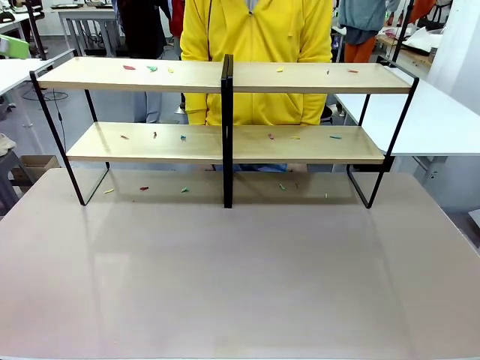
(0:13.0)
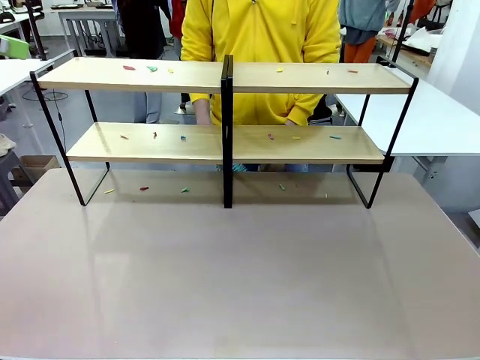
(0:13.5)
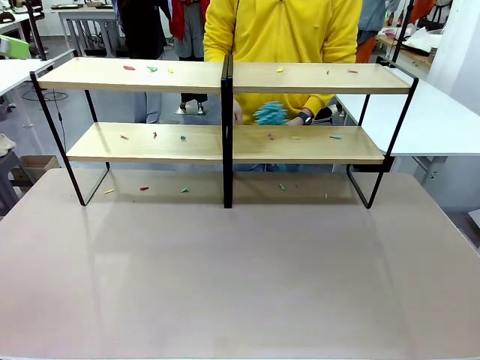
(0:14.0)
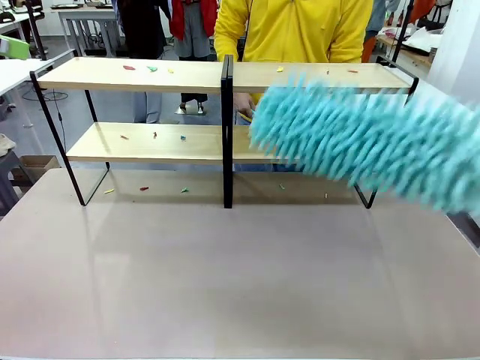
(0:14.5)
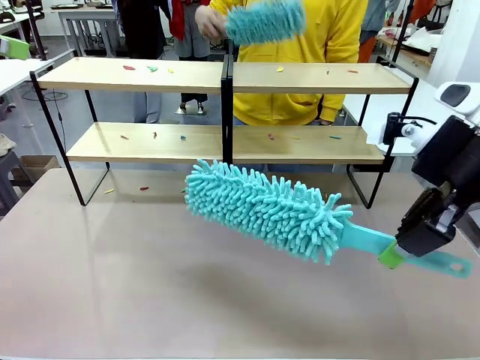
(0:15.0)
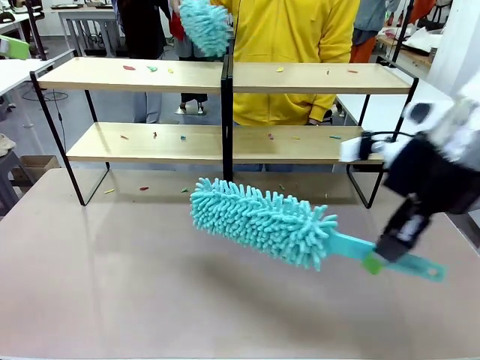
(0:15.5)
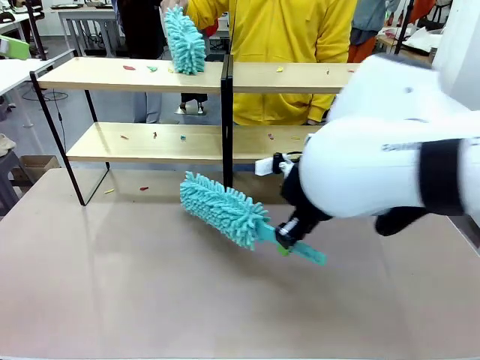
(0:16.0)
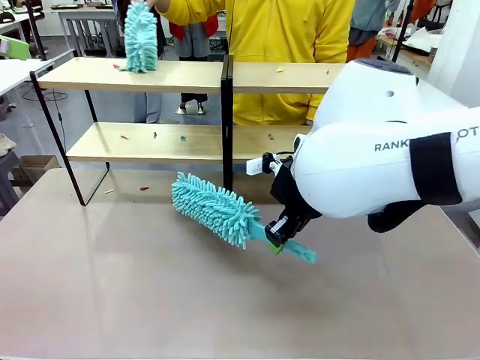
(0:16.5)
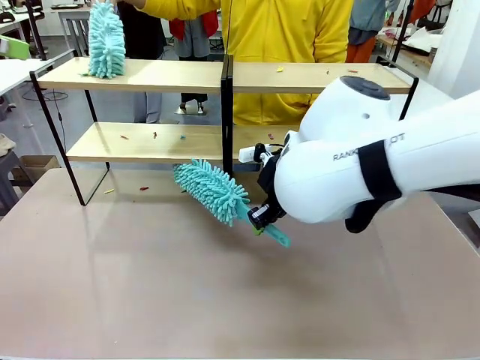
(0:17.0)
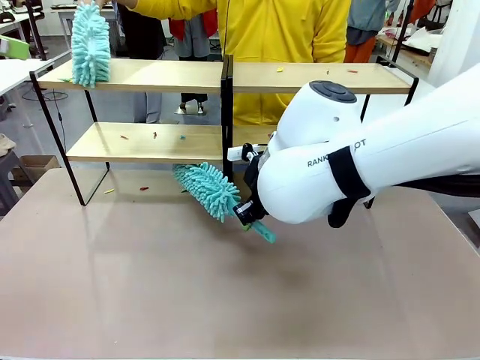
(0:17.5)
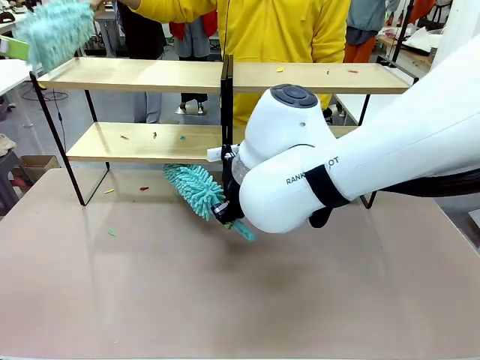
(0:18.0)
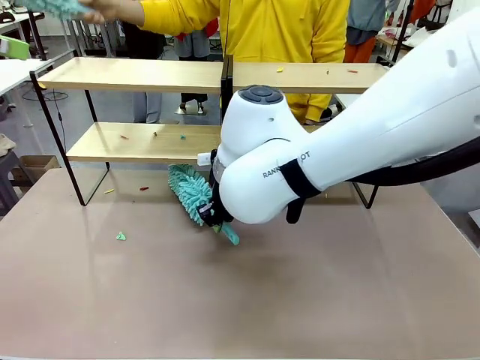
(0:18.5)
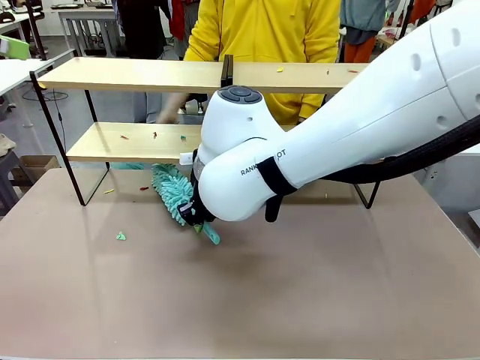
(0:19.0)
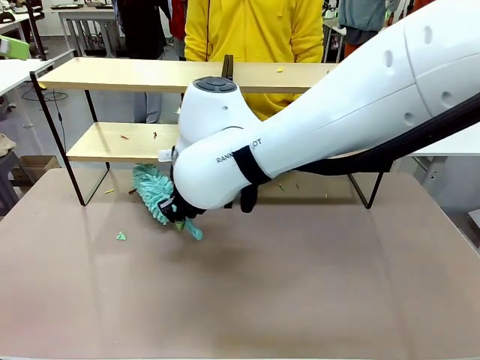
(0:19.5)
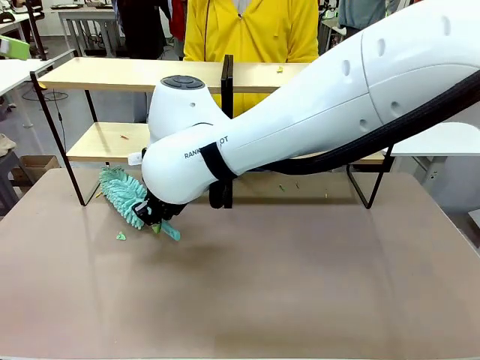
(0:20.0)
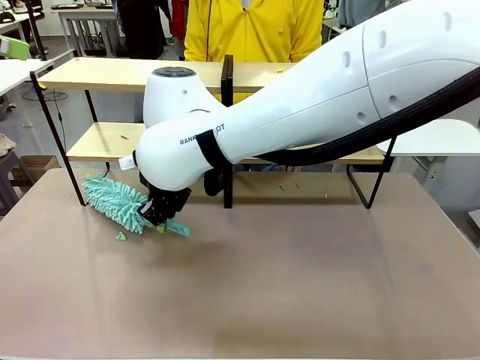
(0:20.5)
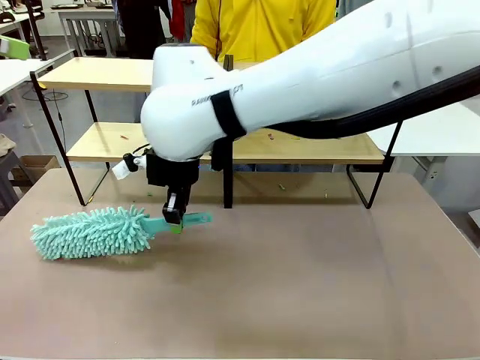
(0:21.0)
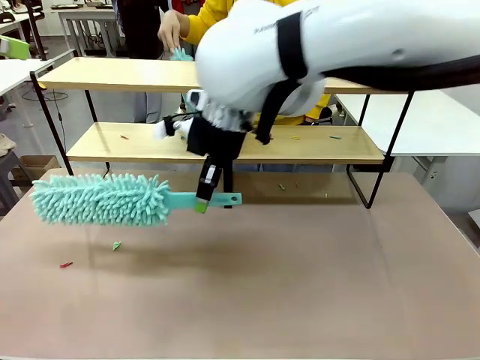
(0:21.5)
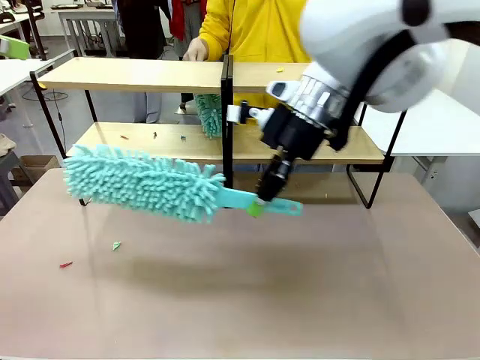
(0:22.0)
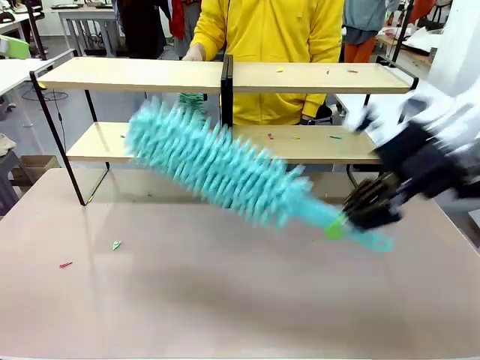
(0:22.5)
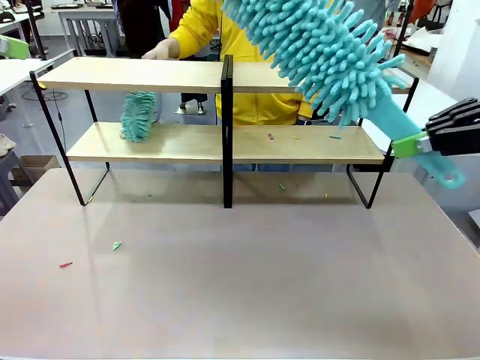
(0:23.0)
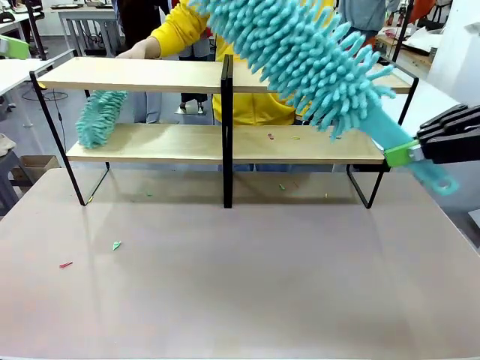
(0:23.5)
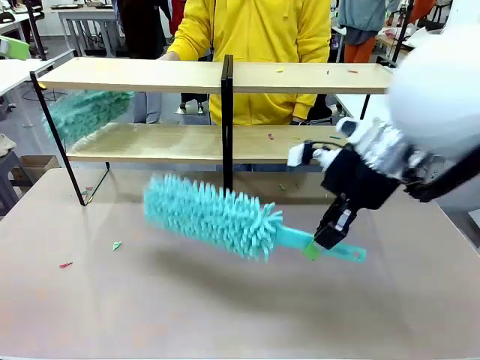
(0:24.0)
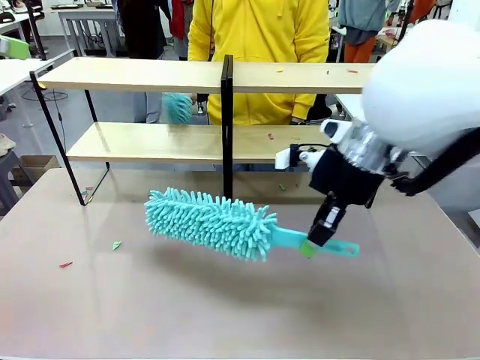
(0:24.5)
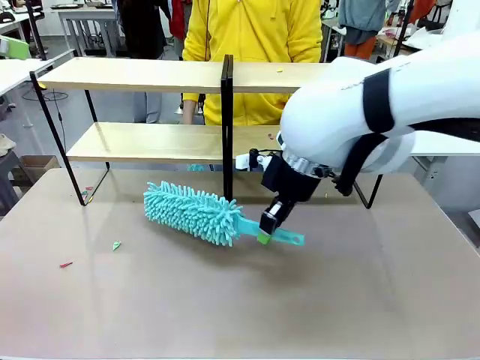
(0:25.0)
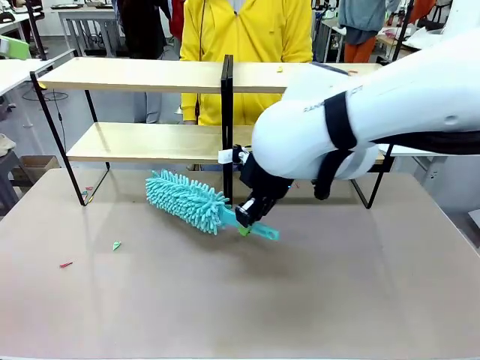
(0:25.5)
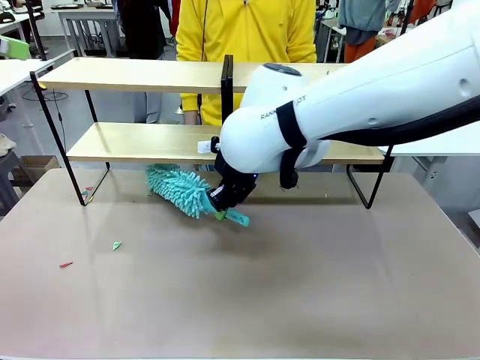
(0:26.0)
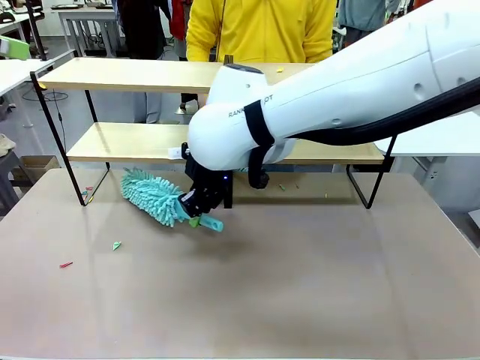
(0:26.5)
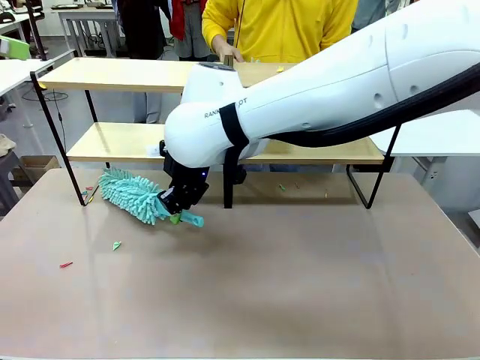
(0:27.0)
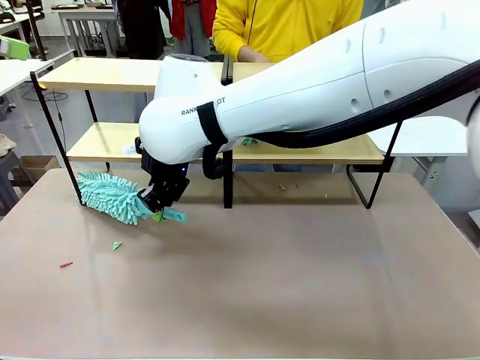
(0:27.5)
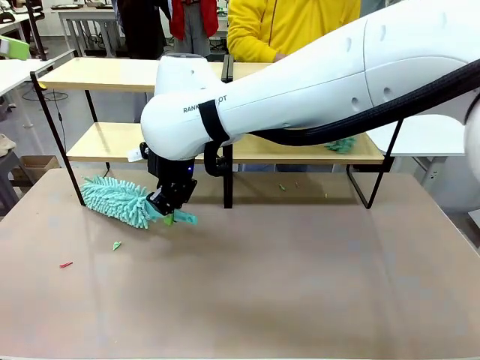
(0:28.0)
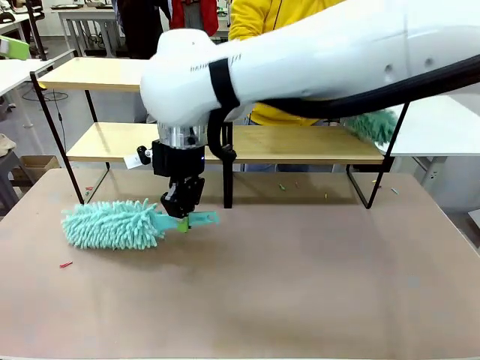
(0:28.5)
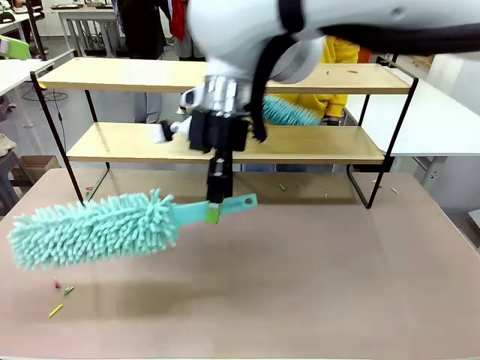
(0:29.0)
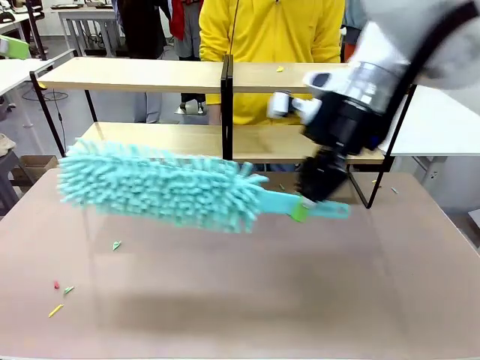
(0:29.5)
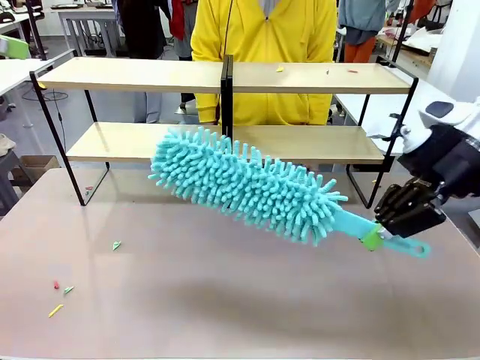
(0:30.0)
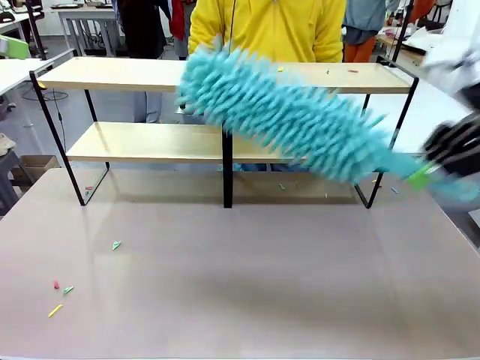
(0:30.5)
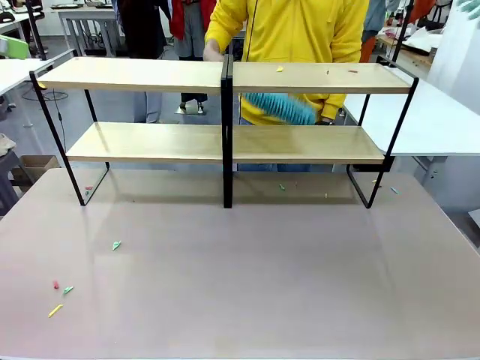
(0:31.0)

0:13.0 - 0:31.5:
Task: Clean the shelves.
Robot: Clean a randomly selected level of the Shelf with the Duster.
Person: Clean a randomly selected level of the Shelf with the Duster.

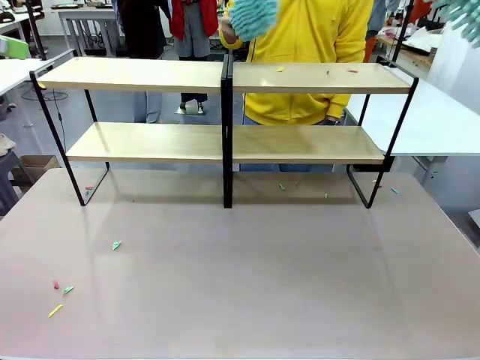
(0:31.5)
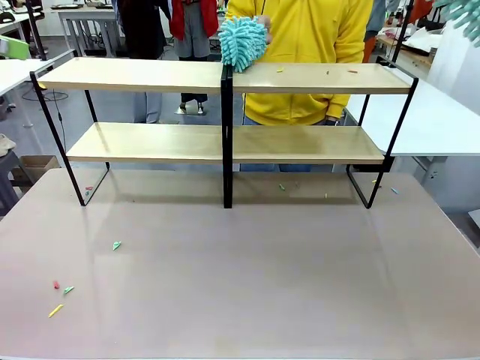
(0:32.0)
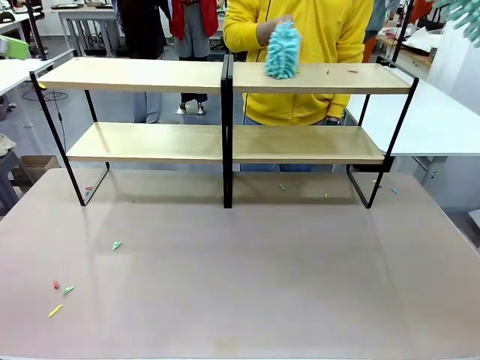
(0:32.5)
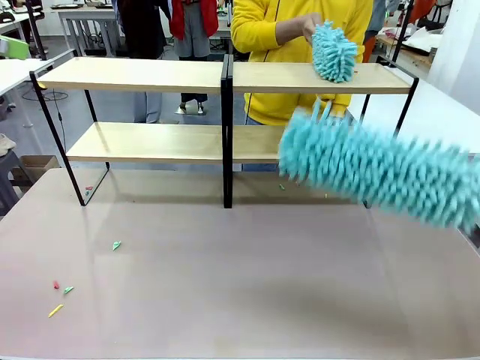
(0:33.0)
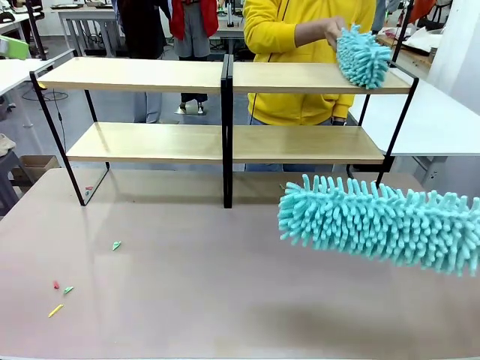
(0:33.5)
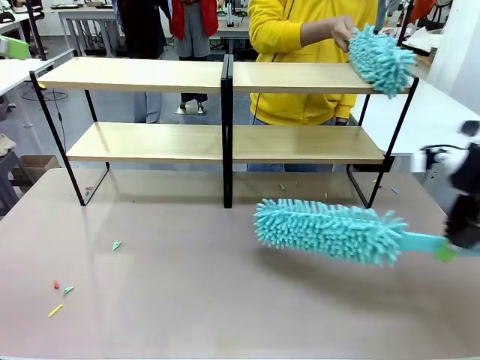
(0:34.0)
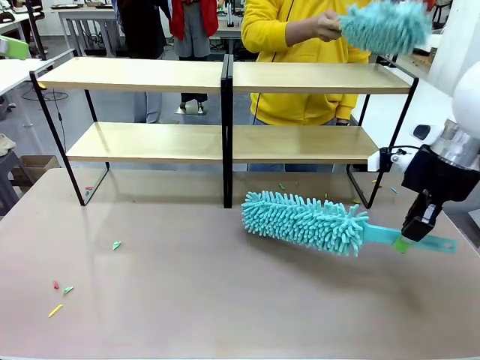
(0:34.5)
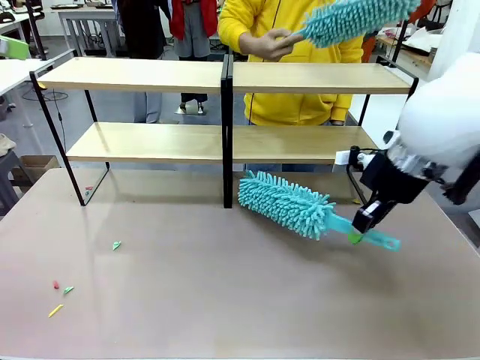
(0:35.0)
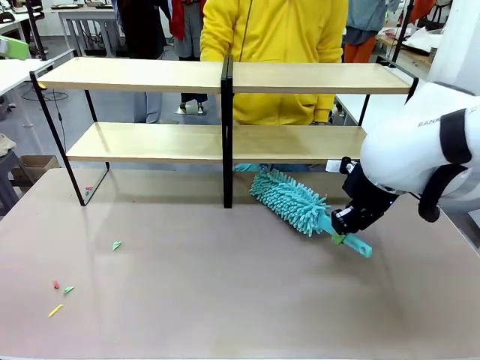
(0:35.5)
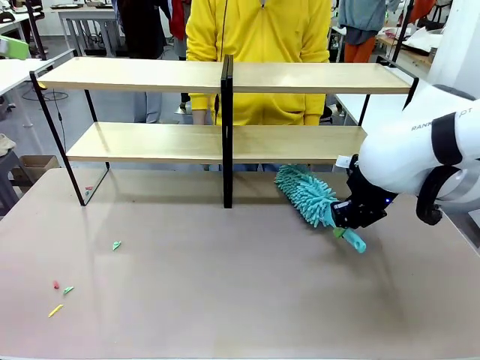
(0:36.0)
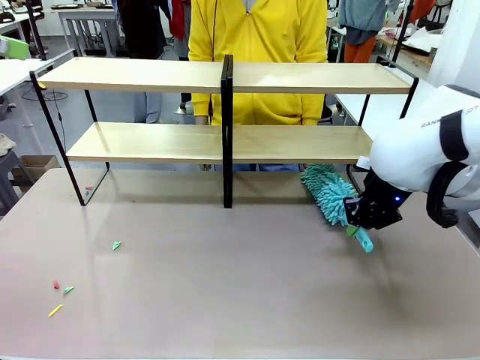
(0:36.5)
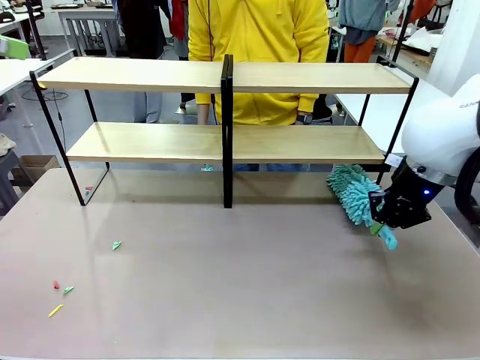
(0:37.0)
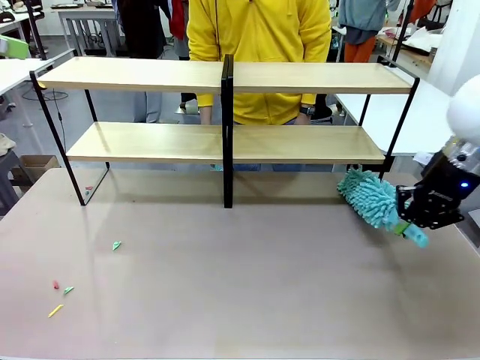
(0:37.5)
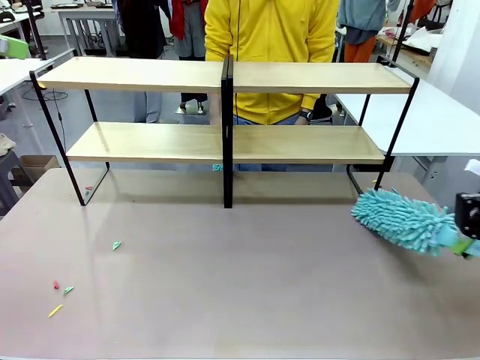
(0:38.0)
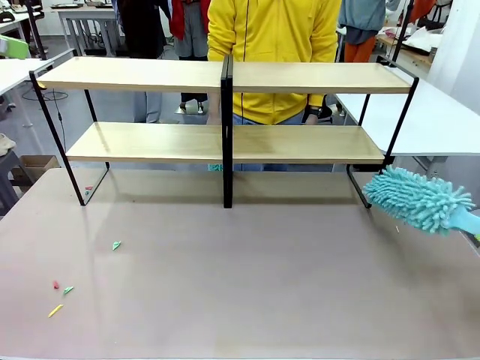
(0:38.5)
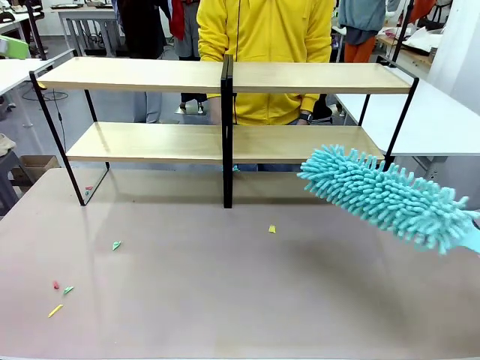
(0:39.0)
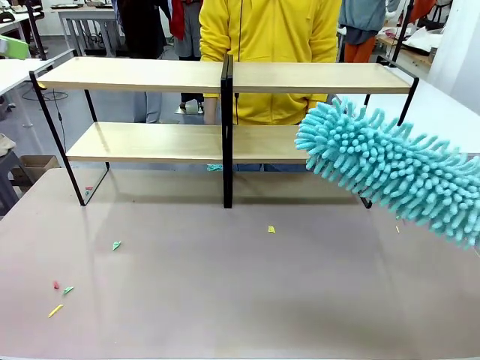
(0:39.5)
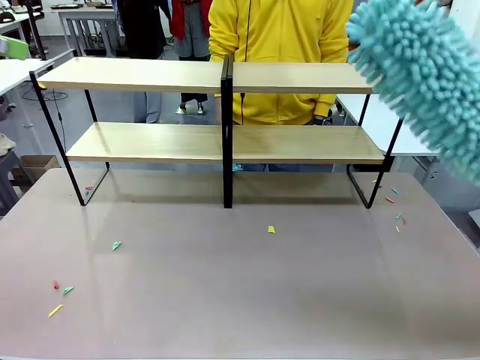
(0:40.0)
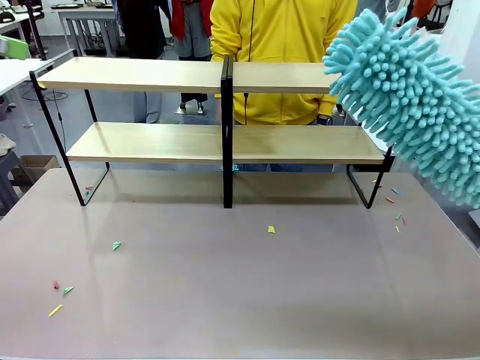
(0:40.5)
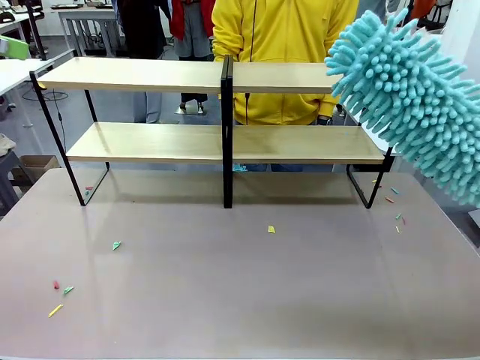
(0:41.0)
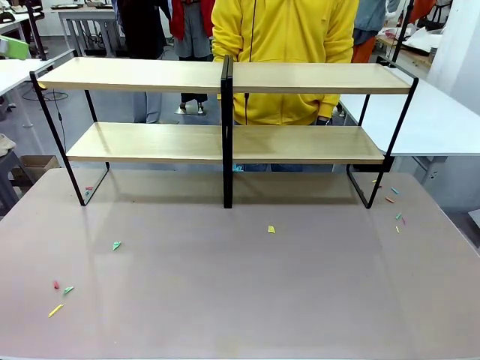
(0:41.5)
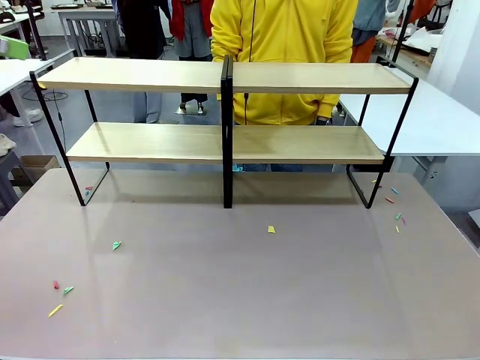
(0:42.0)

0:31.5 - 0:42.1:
Robot: Clean another randomly selected level of the Shelf with the Duster.
